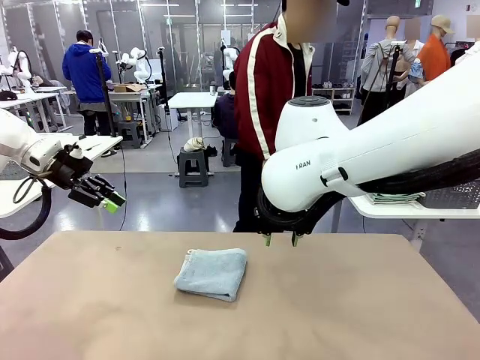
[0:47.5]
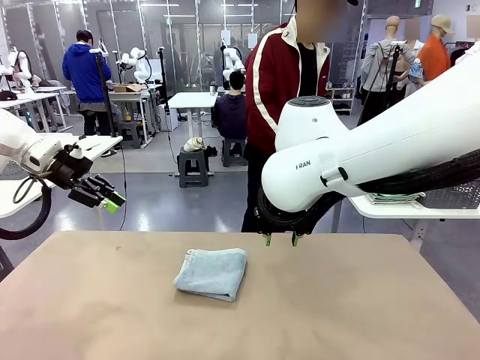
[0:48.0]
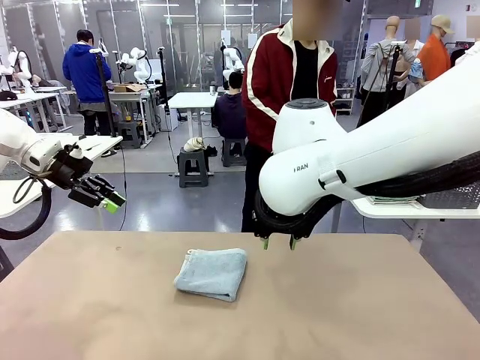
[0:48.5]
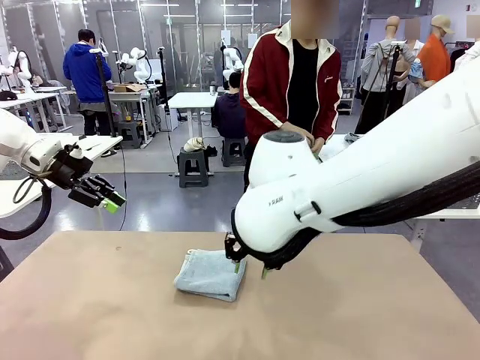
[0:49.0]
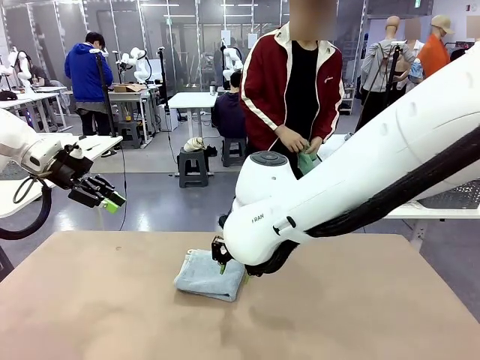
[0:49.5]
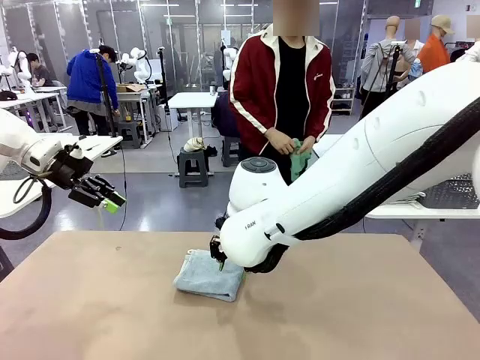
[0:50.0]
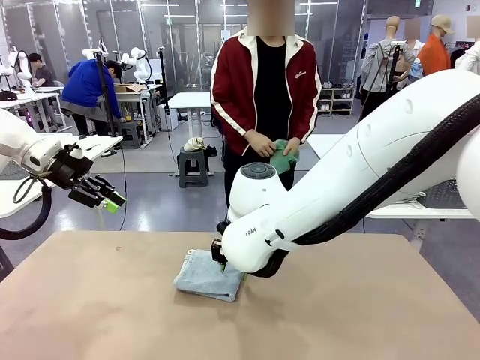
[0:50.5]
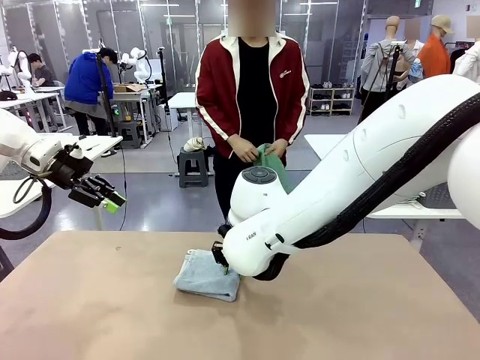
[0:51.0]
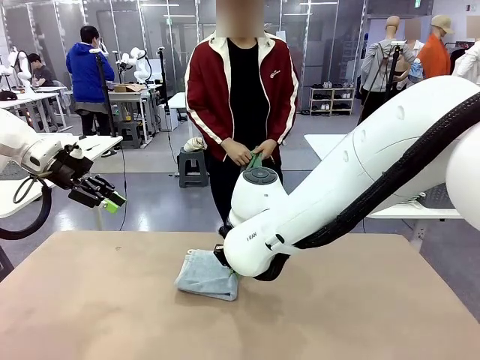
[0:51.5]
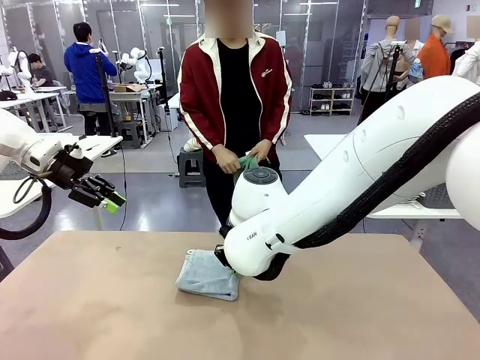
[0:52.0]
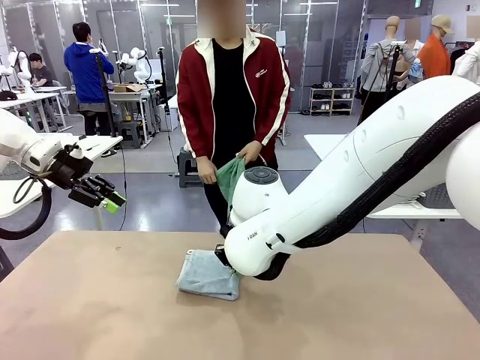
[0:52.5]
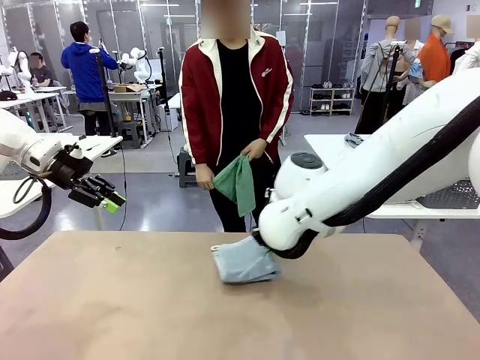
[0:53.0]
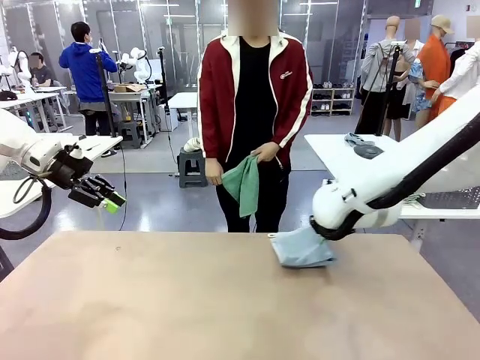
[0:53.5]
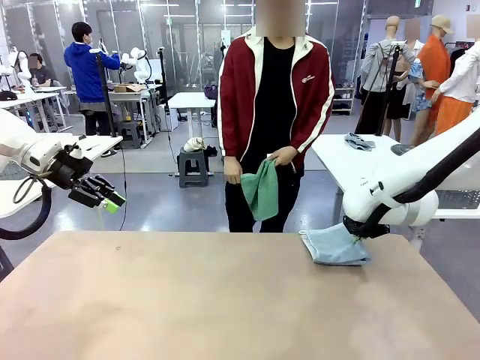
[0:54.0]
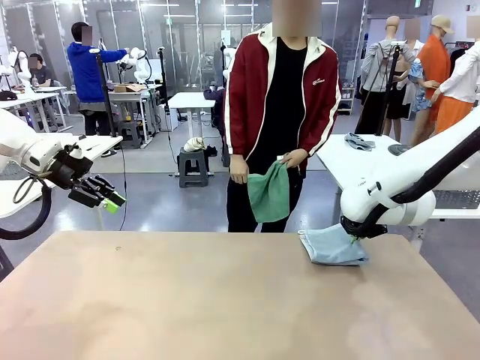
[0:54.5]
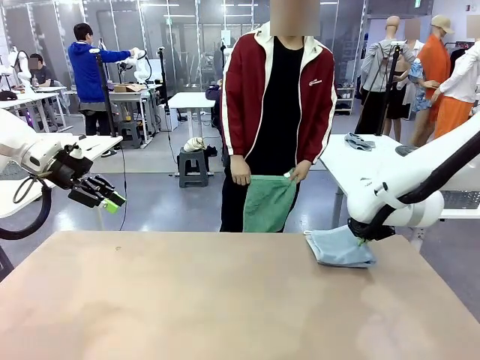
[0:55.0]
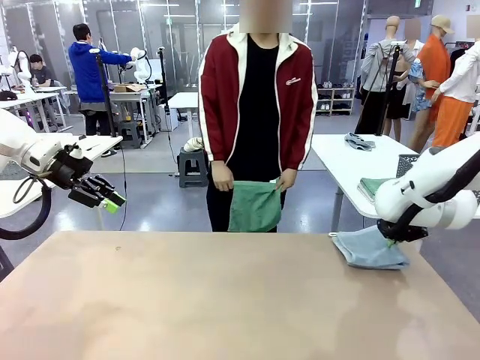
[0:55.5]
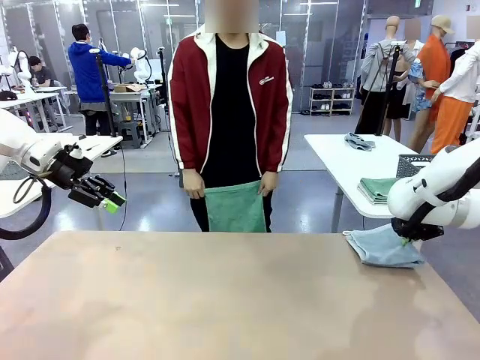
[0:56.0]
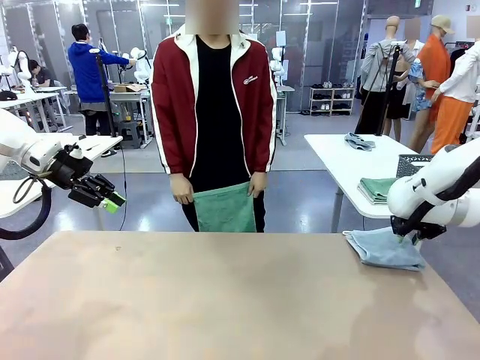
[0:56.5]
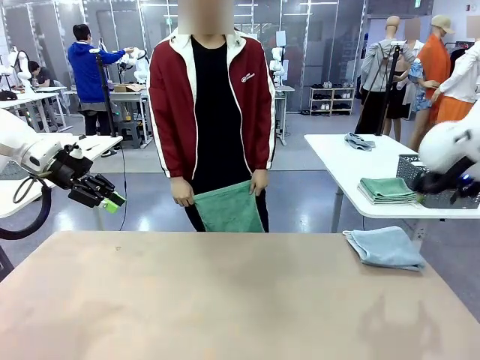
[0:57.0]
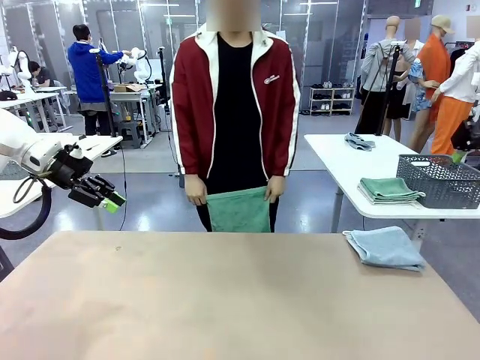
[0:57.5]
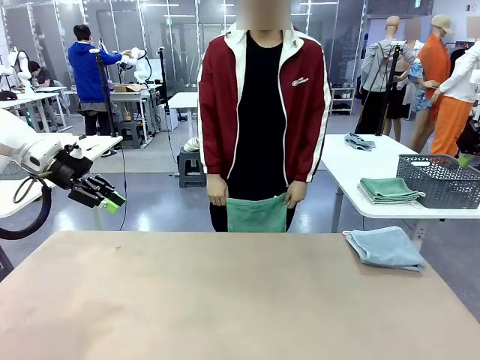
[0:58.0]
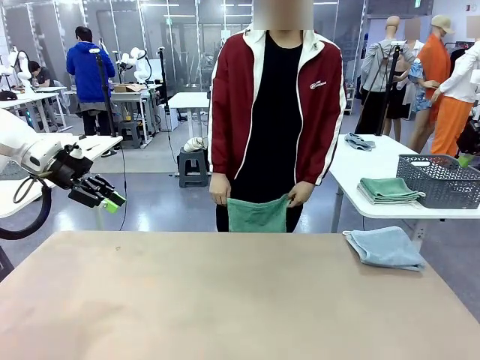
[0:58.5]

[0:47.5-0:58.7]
Task: Fold the towels and place them in the basket.
Robot: Place the folded Towel with hook on the right side of the table.
Person: Pick up one towel from the left side of the human table and spread it out at the center of the robot table.

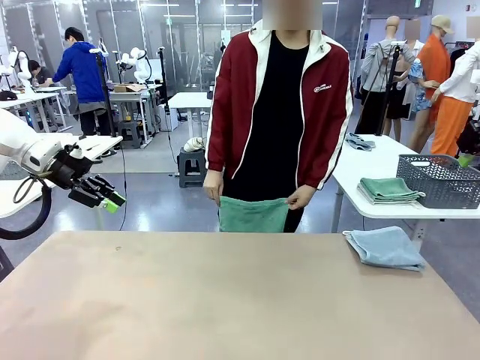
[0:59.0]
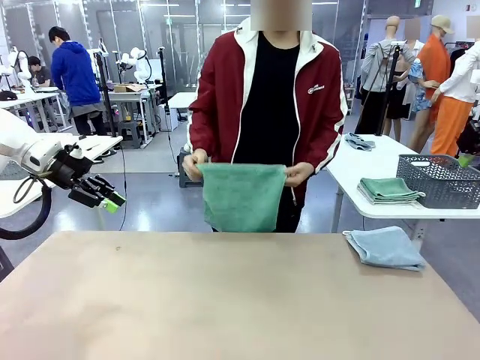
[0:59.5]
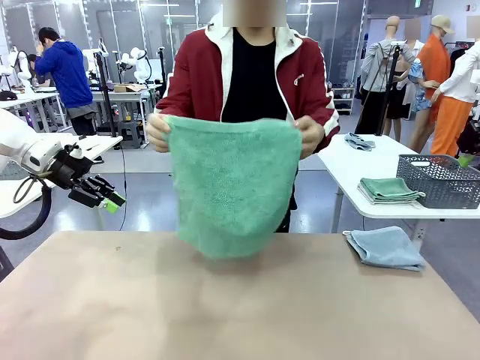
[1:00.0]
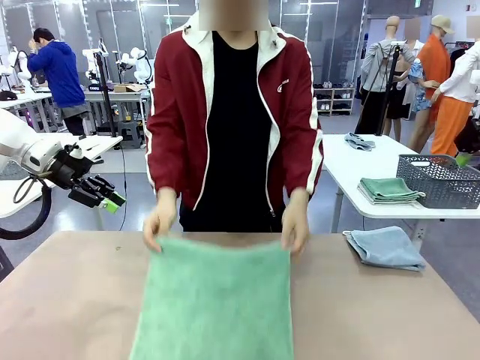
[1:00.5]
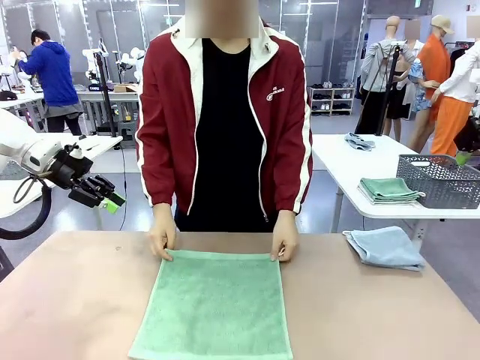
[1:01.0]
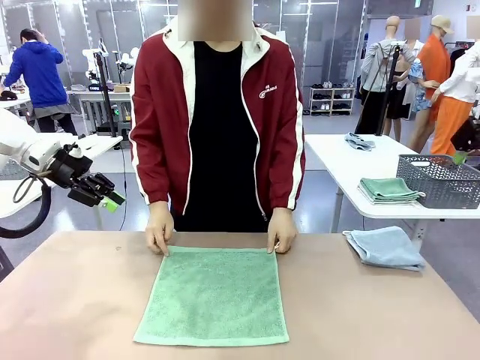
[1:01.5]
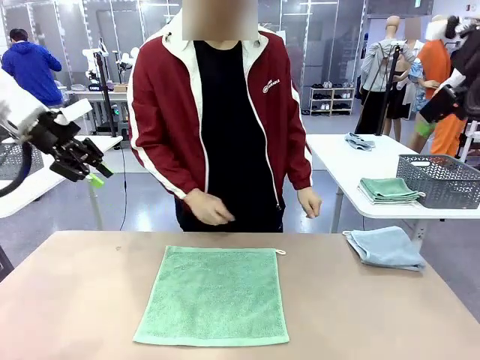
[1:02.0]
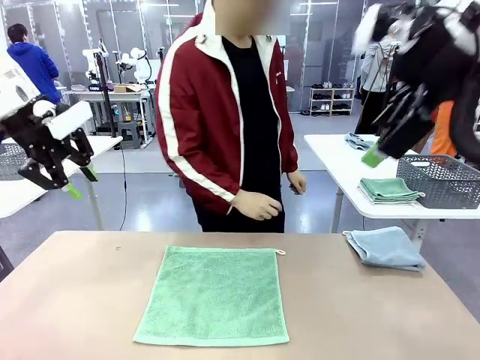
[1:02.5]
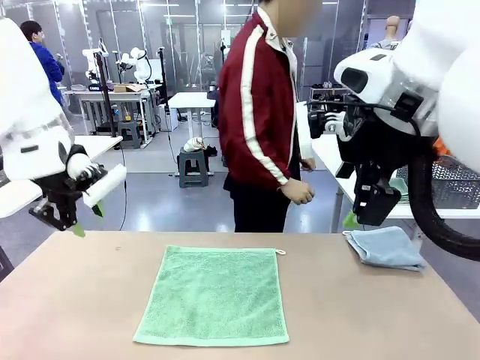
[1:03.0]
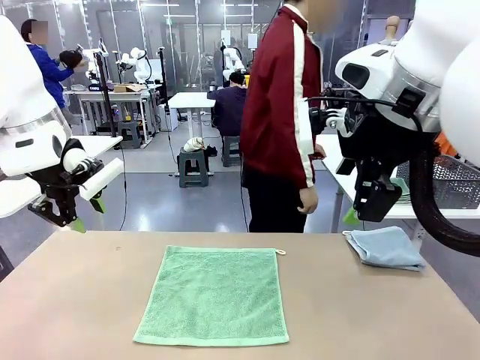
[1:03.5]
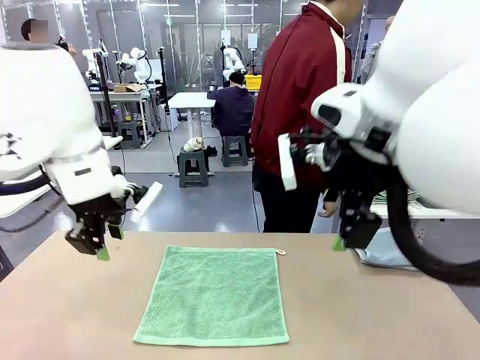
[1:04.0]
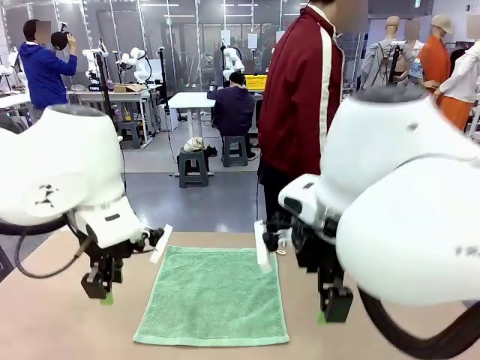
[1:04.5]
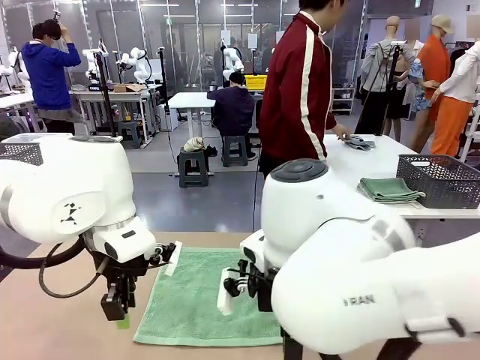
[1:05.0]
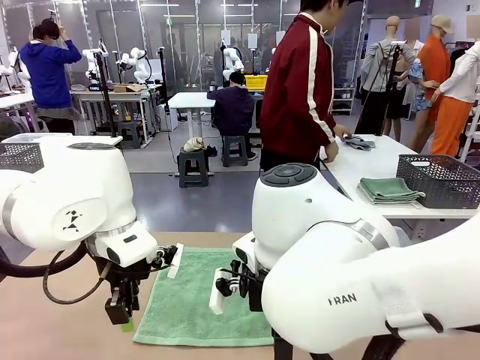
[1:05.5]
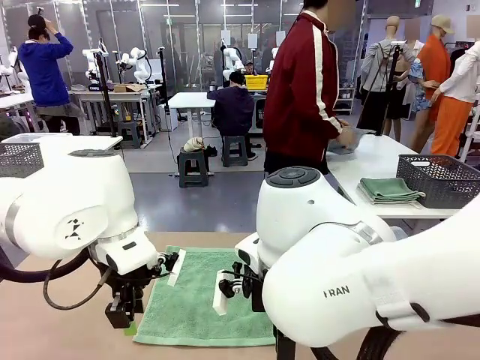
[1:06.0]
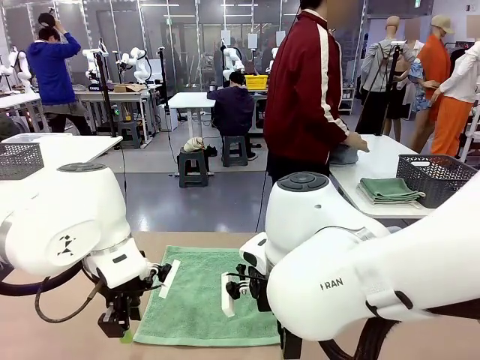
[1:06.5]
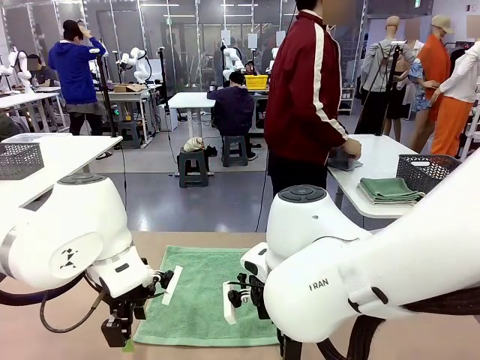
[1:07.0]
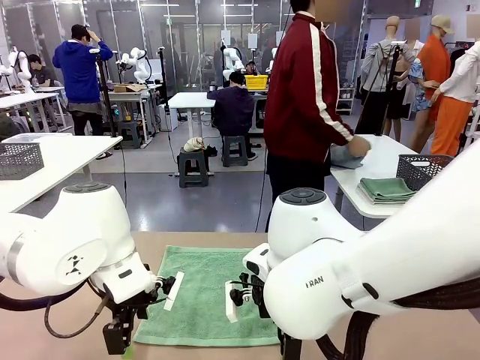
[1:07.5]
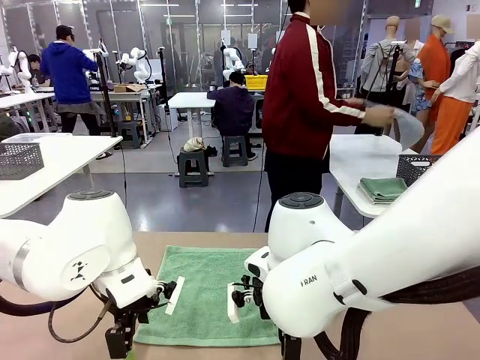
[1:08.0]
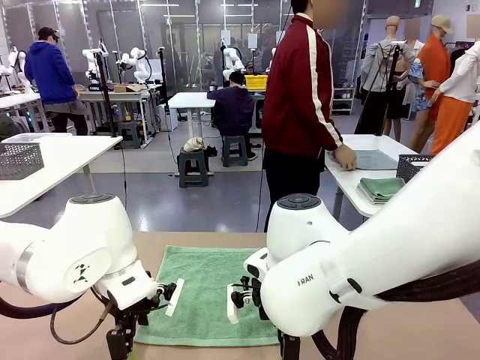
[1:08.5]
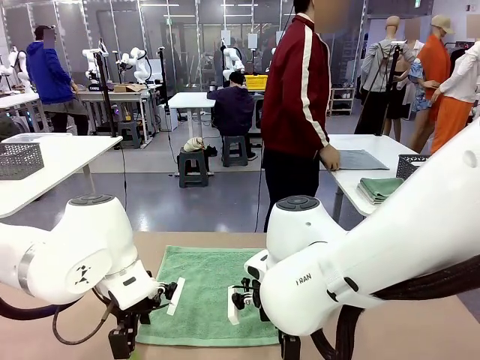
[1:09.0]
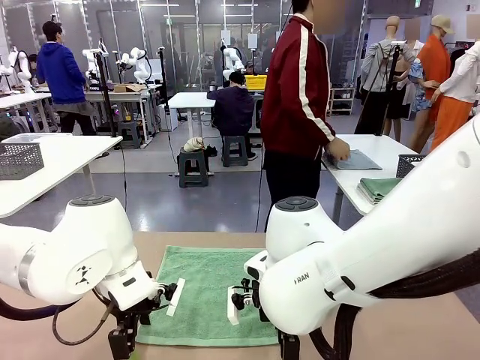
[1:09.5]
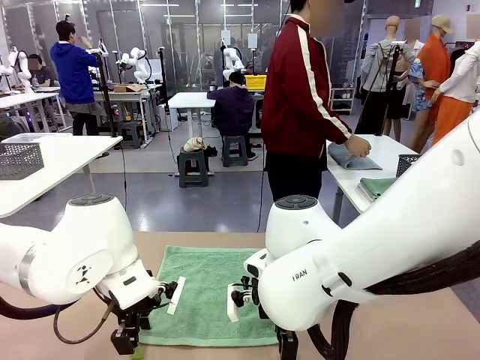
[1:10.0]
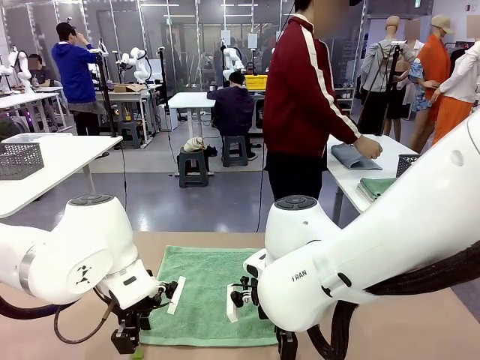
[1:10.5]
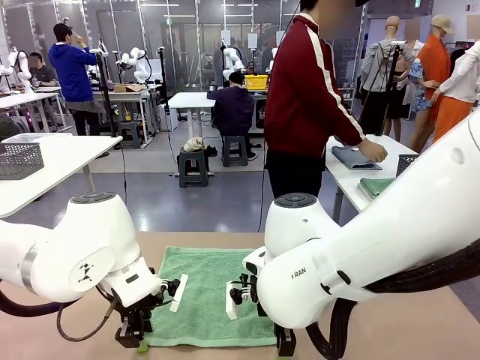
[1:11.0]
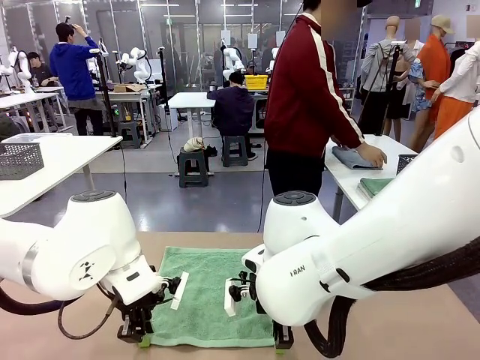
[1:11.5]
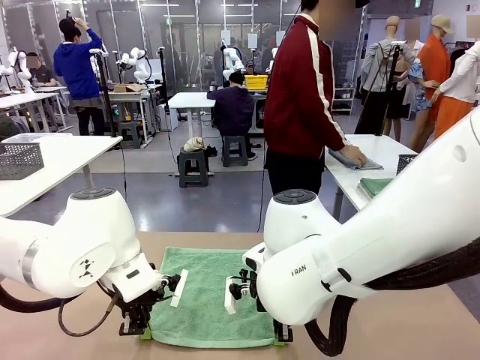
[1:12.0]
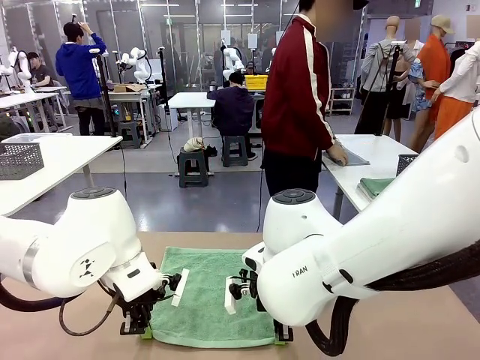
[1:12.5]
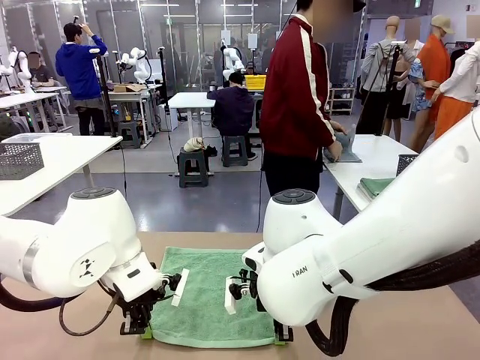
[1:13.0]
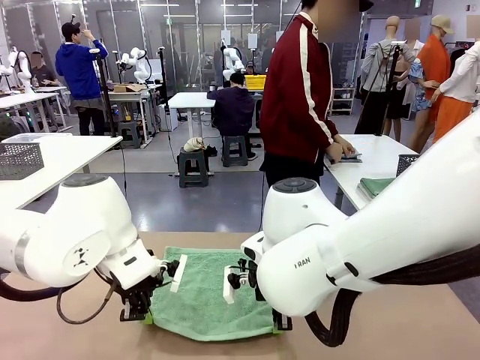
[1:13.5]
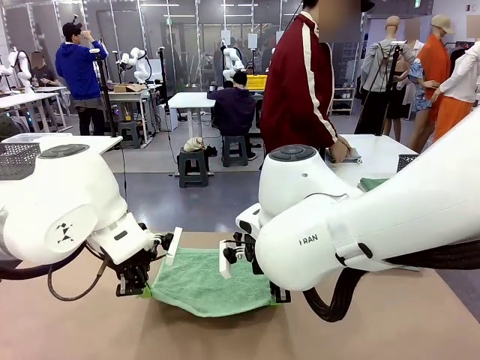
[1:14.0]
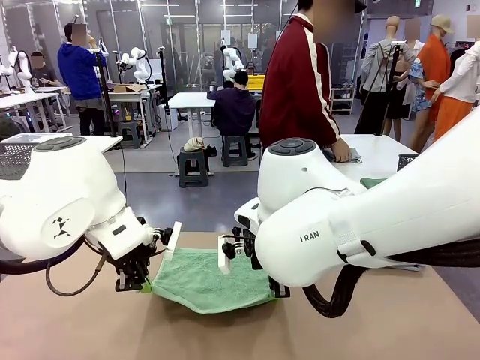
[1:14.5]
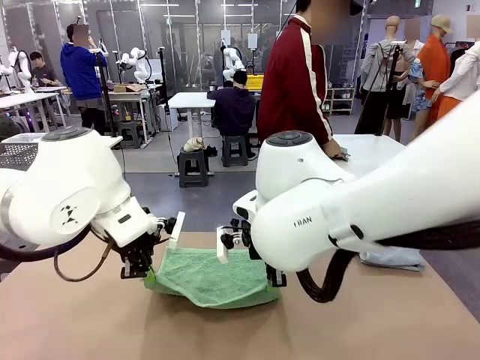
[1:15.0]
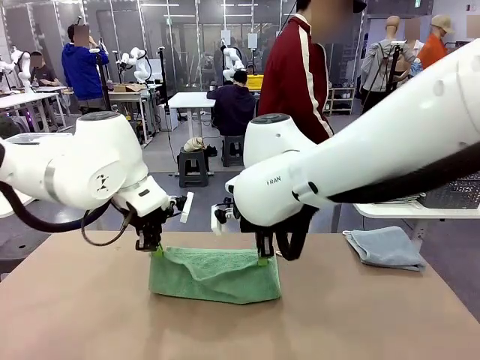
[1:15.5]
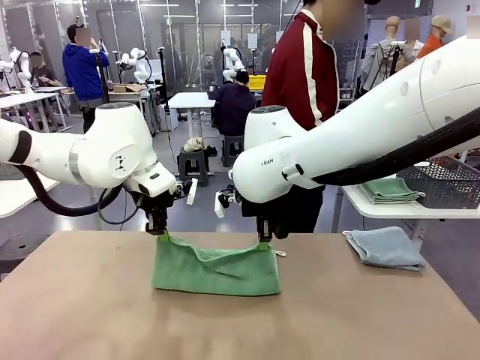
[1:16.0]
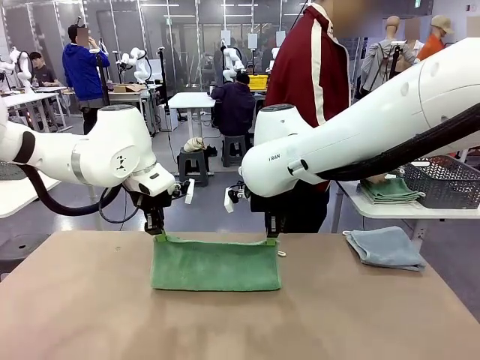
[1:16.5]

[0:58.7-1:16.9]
Robot: When a person lays out a Towel with hook on the table, fold it in half twice.
Person: Pick up one towel from the left side of the human table, fold it in half twice, and stack it on the right side of the table.
